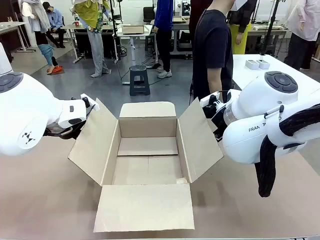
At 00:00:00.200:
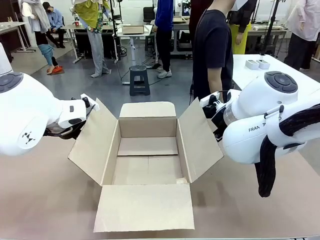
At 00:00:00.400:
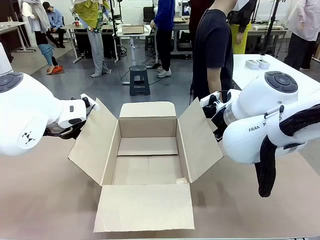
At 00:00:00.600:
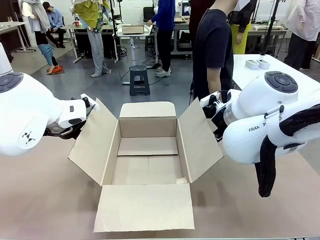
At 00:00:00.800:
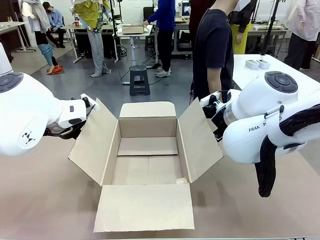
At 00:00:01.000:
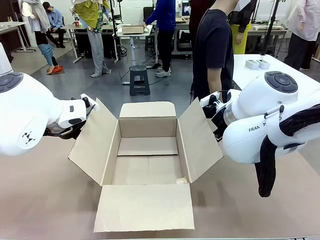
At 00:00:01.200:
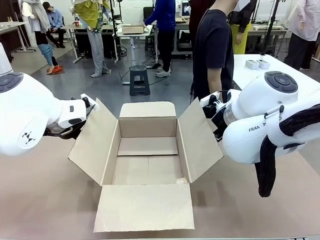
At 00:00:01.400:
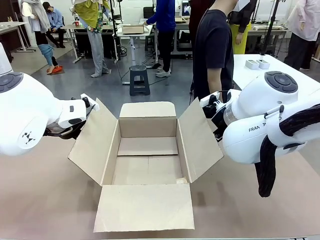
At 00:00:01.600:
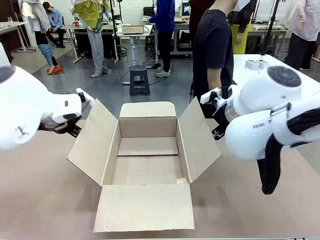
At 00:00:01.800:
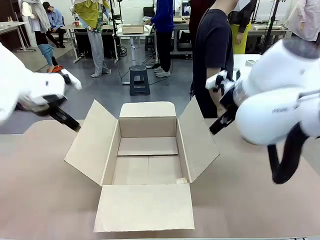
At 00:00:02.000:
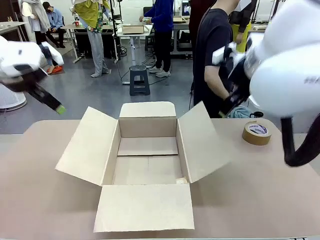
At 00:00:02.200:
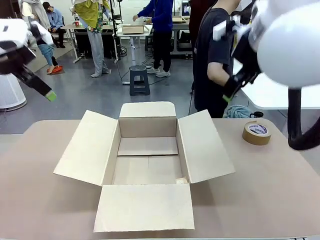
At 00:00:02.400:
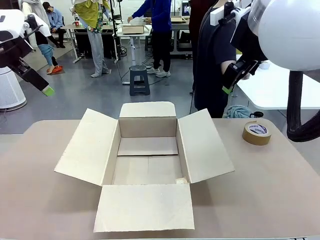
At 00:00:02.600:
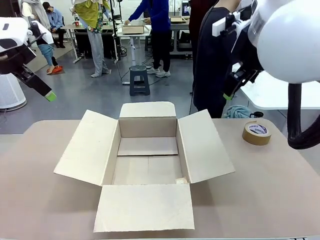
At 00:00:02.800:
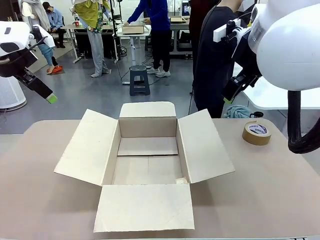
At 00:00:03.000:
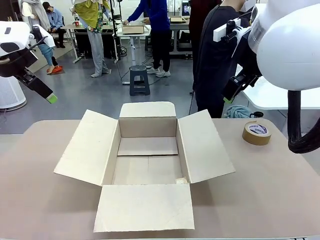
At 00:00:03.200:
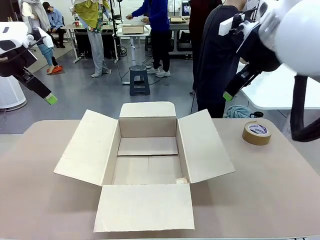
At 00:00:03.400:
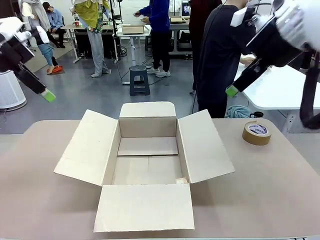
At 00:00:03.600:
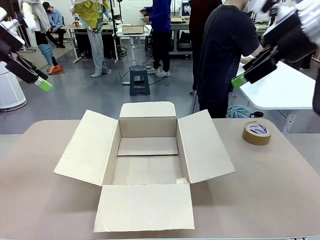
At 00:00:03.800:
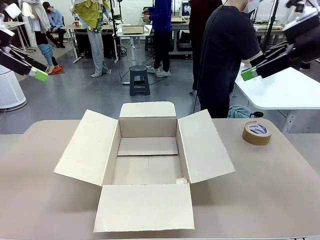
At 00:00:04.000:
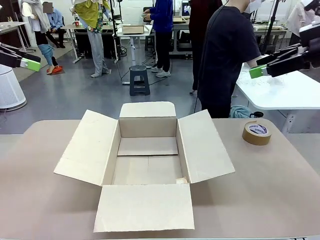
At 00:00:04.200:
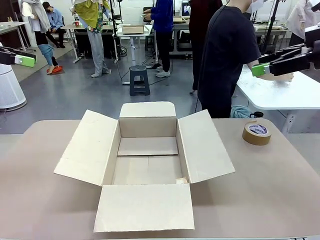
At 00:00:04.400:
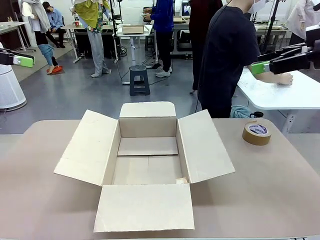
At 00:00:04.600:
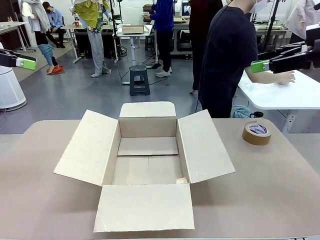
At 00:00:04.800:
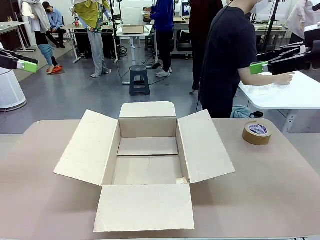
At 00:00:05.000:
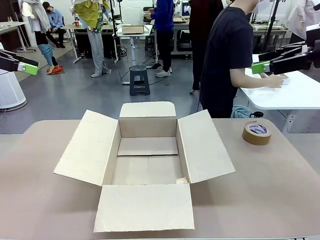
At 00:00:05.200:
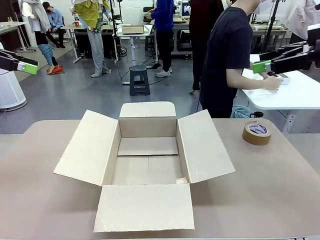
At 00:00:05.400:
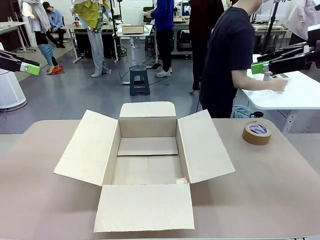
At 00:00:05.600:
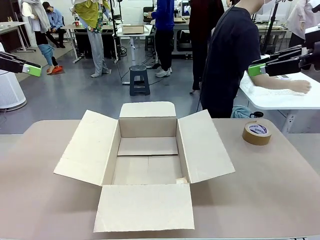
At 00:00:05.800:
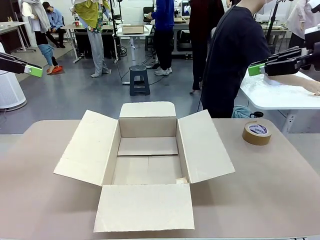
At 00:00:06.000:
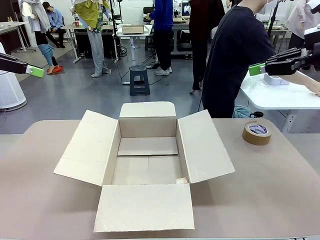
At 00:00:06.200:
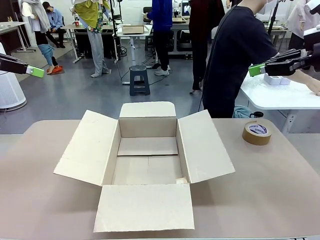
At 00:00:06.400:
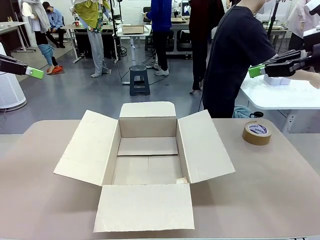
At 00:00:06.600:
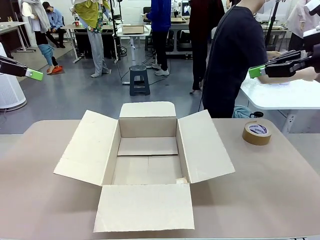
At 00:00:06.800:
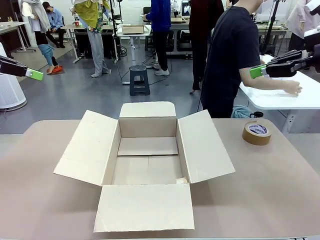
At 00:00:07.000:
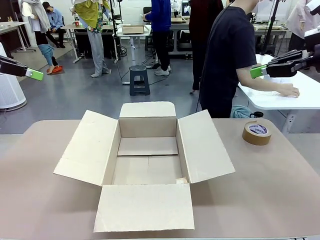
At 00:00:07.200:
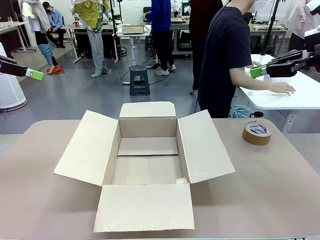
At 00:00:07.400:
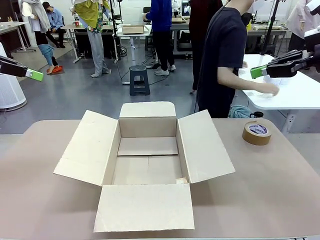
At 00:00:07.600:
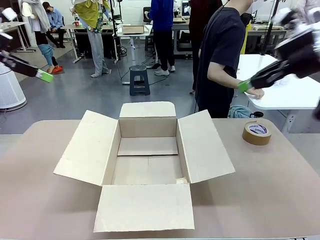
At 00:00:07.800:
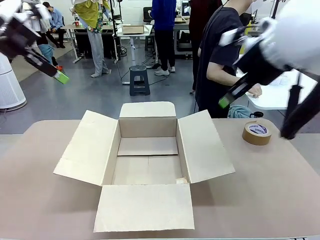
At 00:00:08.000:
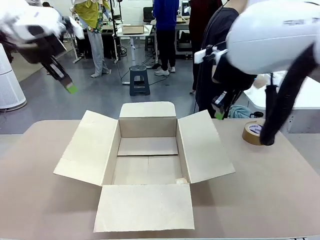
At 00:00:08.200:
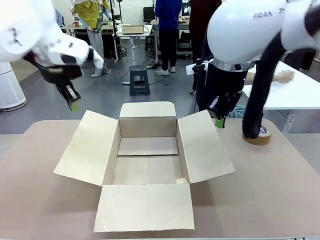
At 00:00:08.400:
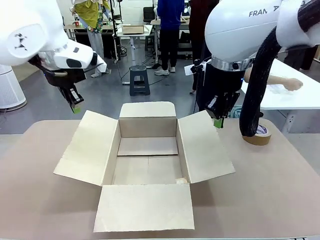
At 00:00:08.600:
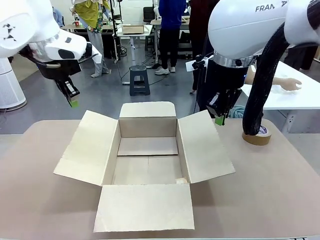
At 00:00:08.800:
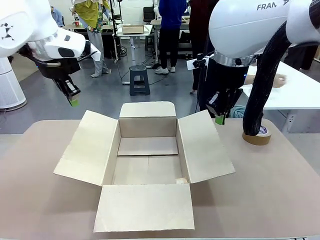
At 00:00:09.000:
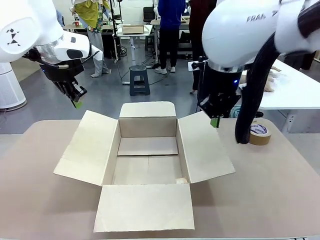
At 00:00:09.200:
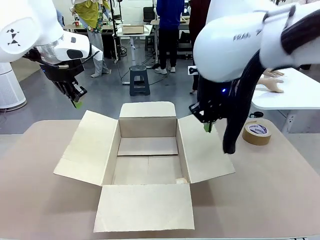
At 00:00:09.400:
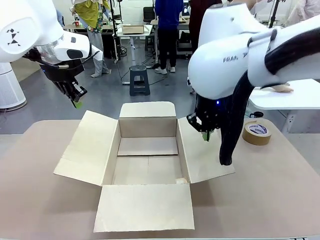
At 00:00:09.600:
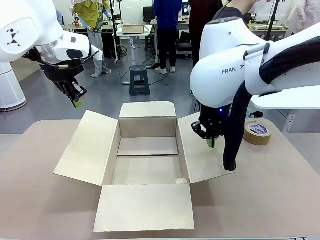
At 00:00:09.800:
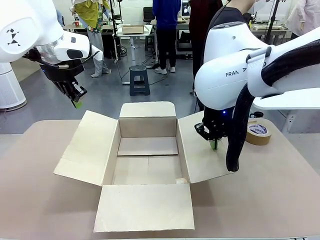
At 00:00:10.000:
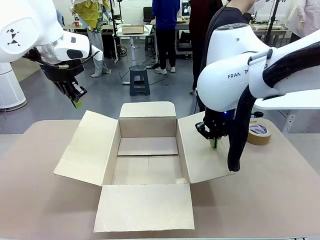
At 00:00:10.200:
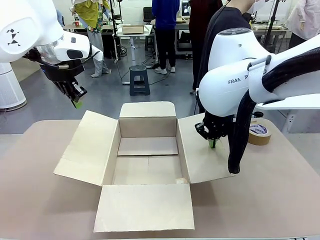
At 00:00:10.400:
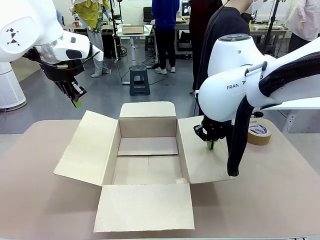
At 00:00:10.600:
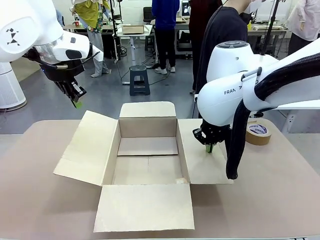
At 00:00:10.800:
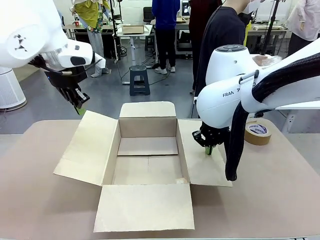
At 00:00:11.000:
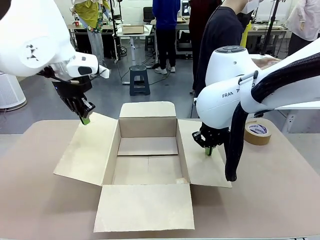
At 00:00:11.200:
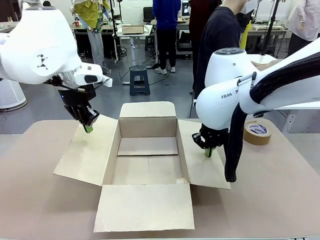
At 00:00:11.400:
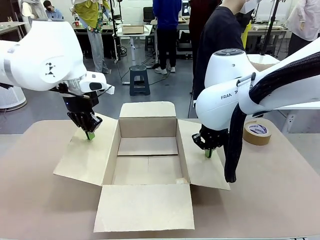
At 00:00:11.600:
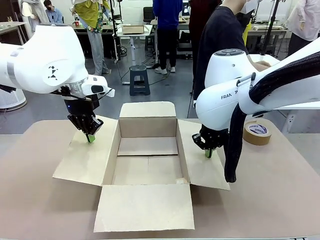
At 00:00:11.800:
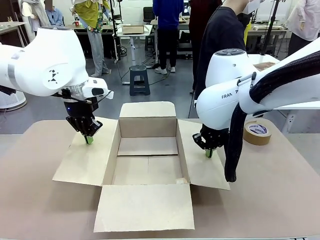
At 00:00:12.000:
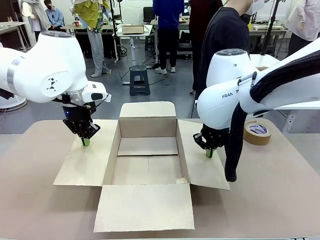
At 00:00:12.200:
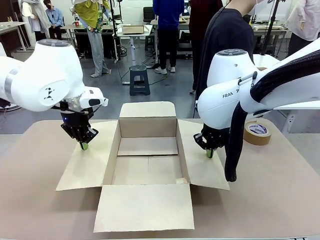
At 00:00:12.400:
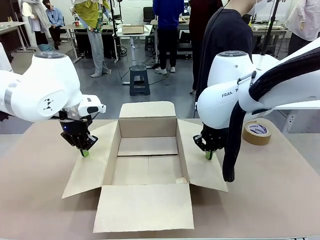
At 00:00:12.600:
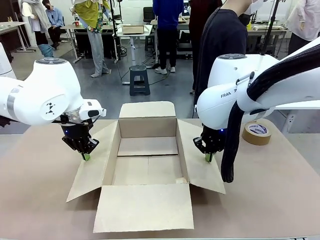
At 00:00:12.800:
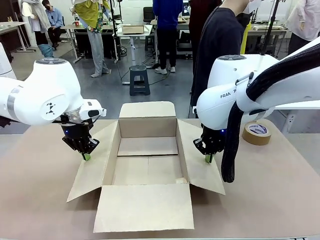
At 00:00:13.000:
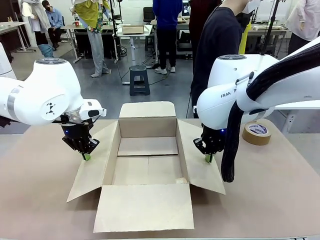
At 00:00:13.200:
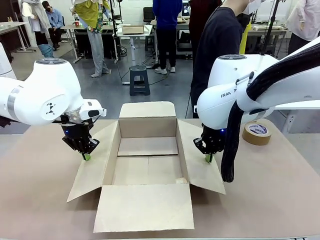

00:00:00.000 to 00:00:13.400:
Task: Wrap the clocks to prevent damage.
Robot: Open the side flaps of the Package Box.
Person: Wrap the two Digital clocks with Bubble Wrap.

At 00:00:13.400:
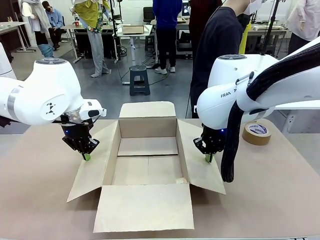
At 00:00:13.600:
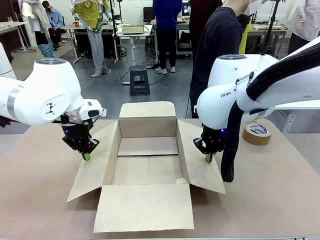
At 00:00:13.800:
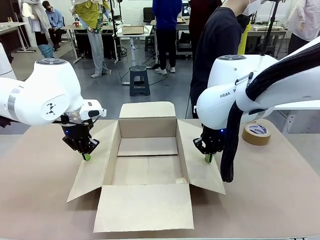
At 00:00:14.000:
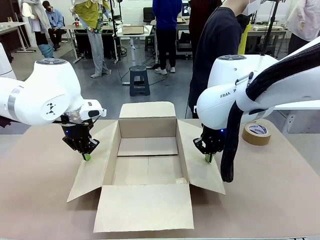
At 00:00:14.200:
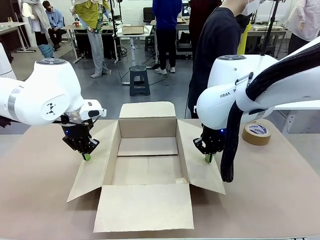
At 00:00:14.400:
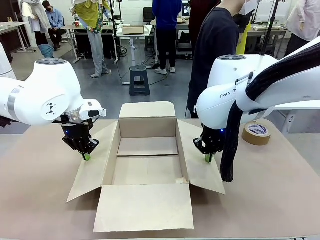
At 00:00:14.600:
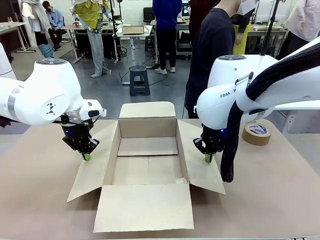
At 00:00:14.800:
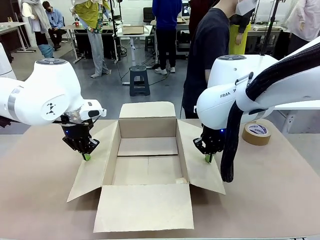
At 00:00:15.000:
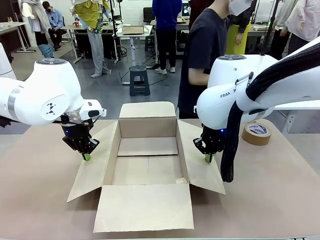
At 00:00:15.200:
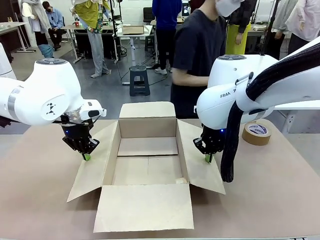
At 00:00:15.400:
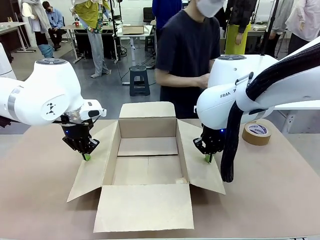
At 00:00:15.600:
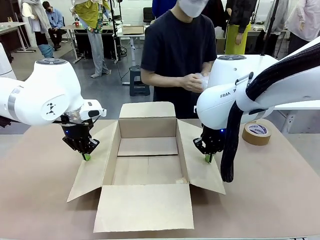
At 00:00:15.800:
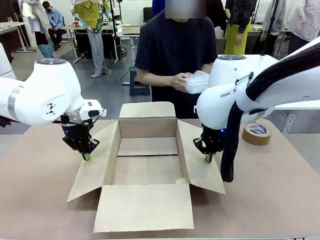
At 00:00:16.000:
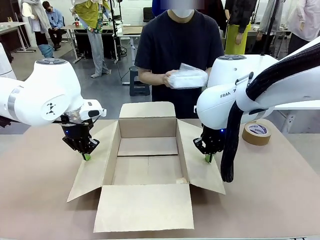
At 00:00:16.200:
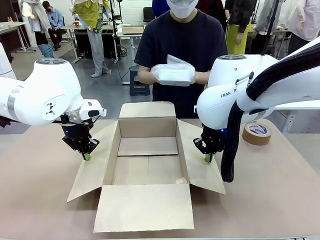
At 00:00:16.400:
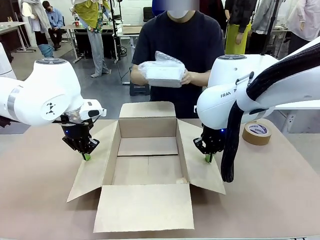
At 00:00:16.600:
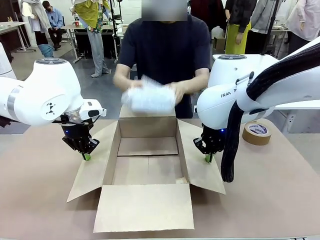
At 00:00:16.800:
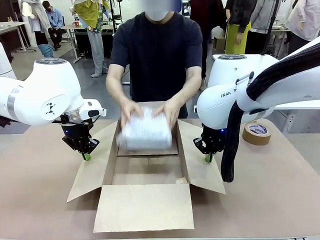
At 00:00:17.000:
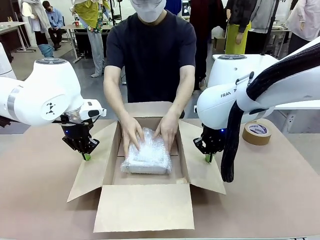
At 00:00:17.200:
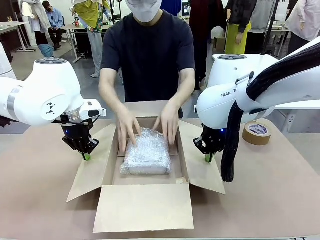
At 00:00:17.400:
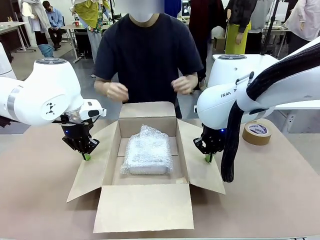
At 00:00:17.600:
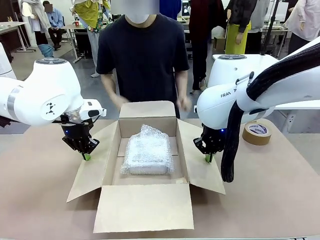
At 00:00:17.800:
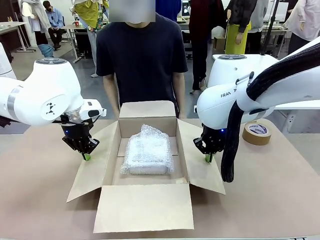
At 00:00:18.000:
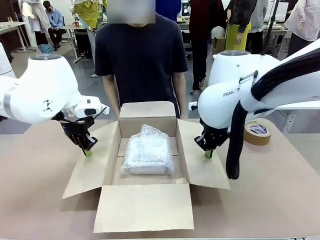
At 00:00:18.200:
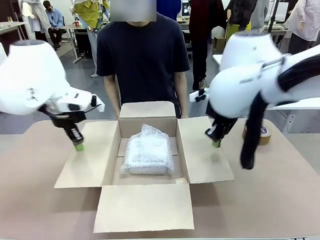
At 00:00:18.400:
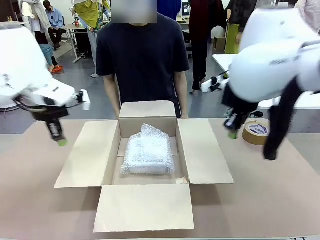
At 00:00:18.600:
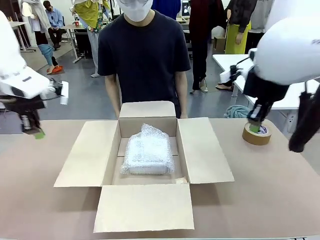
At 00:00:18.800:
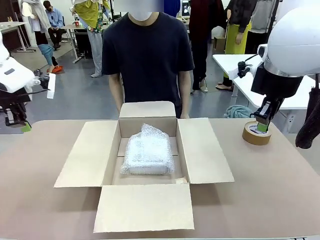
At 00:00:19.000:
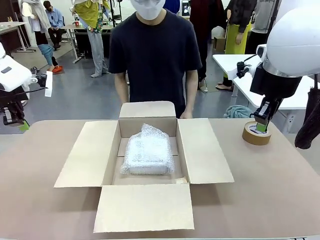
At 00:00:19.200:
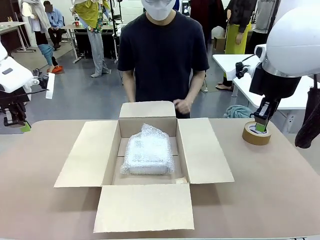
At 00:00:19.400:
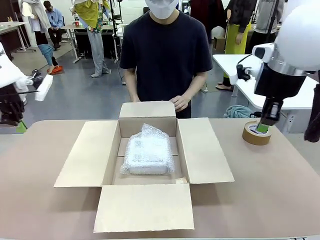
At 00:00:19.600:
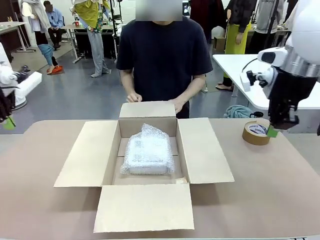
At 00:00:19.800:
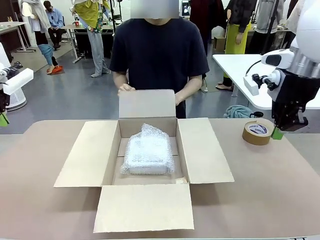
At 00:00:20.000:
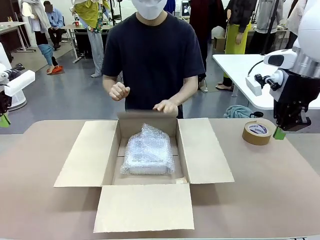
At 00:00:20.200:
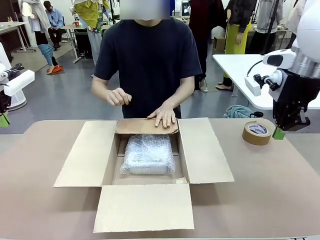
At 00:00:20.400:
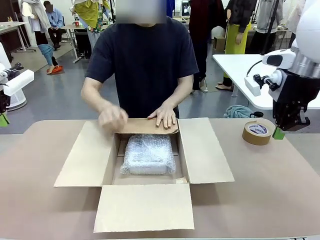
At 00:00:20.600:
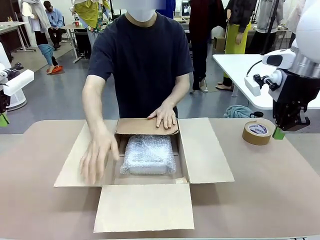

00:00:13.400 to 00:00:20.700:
Robot: Once the human has placed the objects inside and stepped back, release both hands from the side flaps of the Package Box.
Person: Place the wrapped Digital clocks inside the Package Box. Hold the top and bottom flaps of the Package Box closed with your left (or right) hand.
